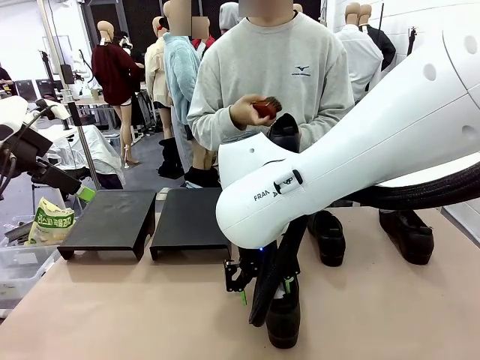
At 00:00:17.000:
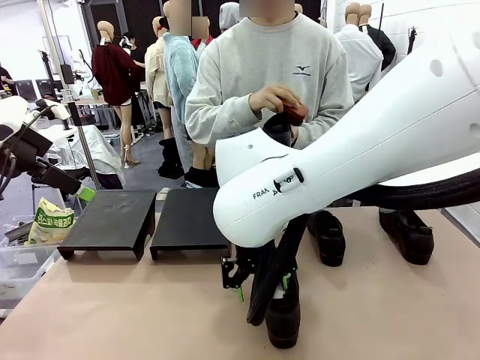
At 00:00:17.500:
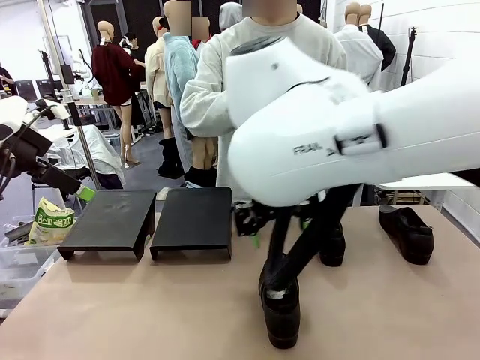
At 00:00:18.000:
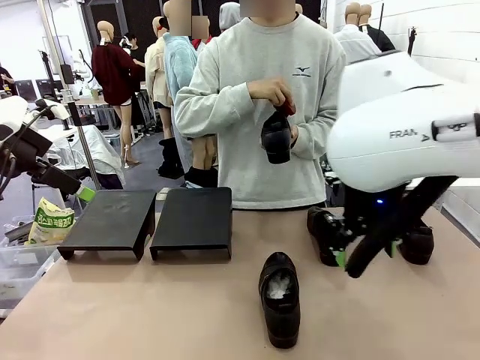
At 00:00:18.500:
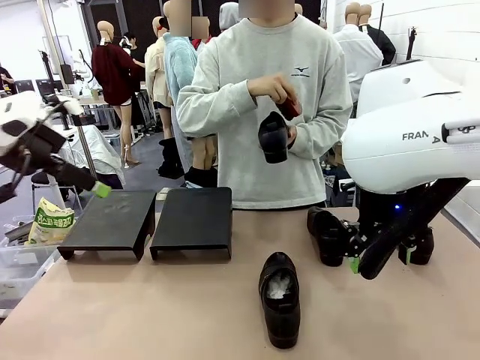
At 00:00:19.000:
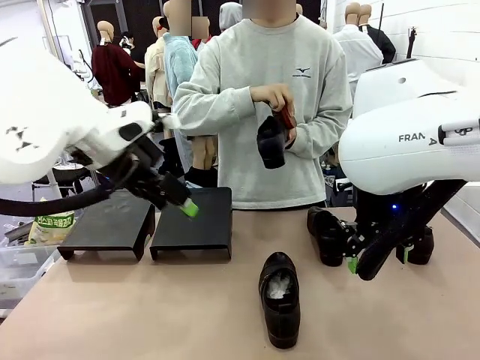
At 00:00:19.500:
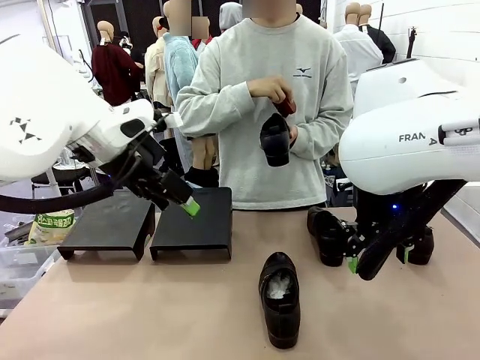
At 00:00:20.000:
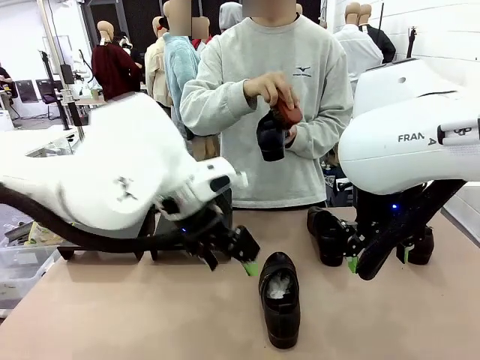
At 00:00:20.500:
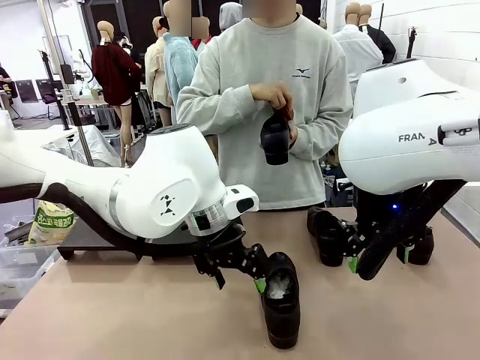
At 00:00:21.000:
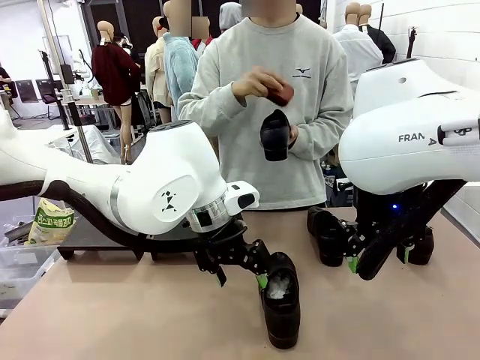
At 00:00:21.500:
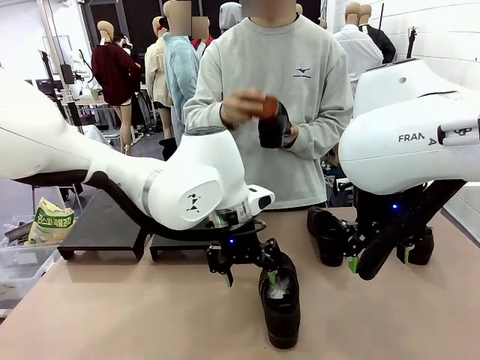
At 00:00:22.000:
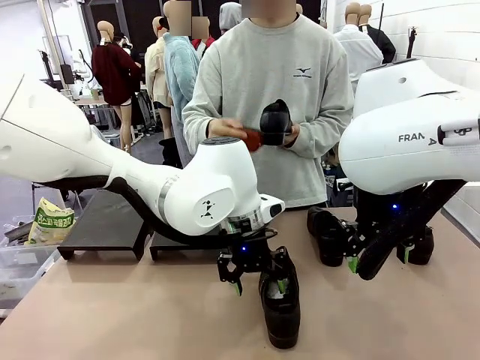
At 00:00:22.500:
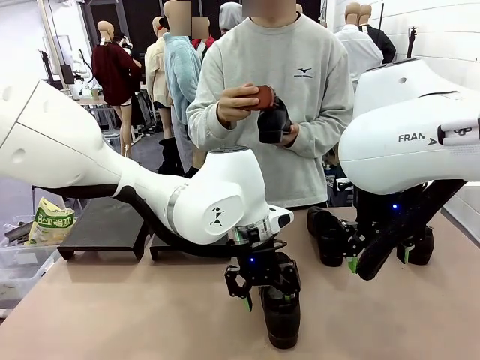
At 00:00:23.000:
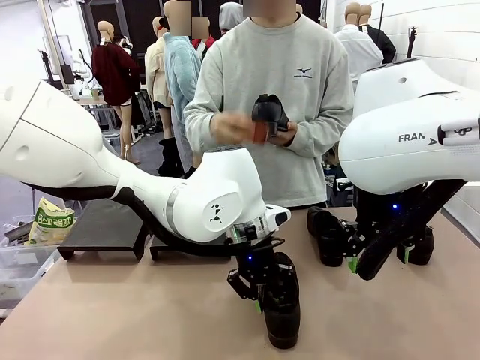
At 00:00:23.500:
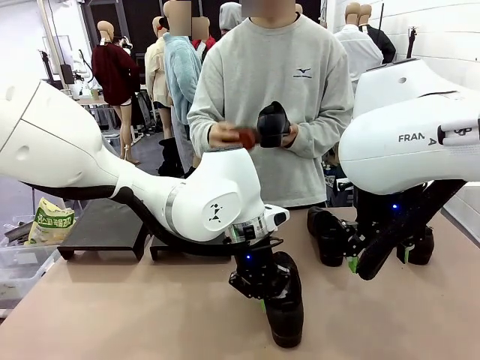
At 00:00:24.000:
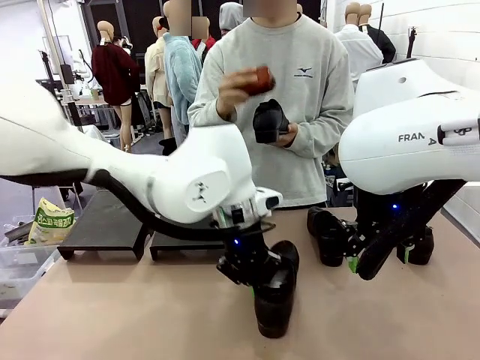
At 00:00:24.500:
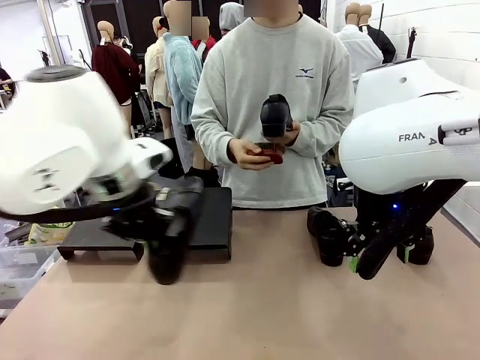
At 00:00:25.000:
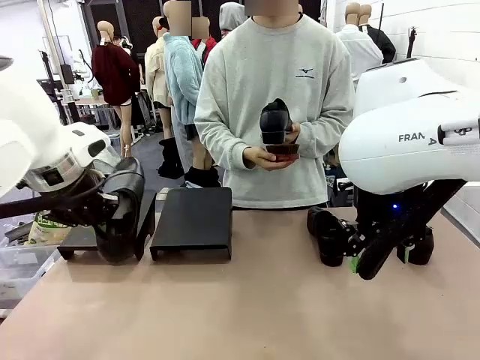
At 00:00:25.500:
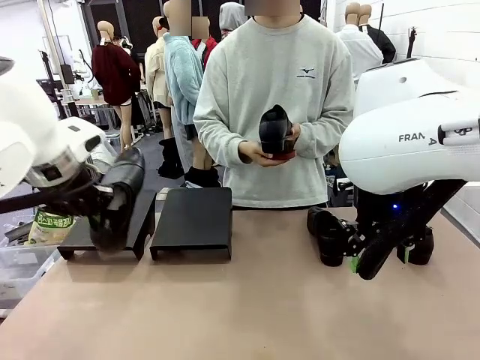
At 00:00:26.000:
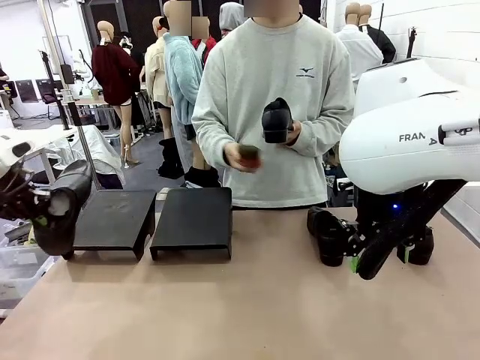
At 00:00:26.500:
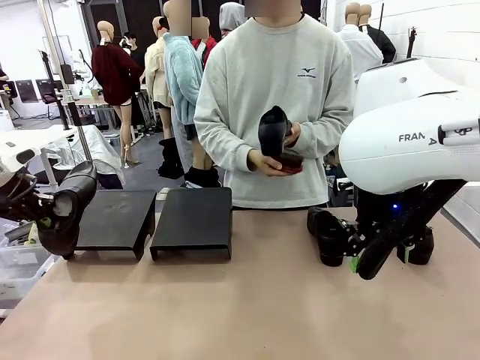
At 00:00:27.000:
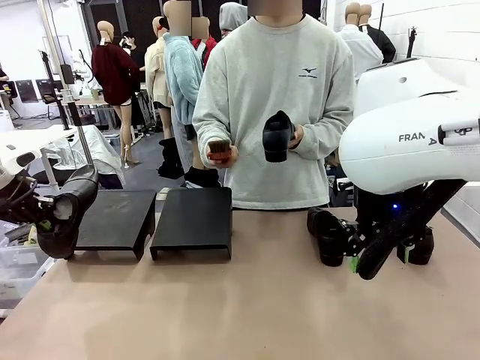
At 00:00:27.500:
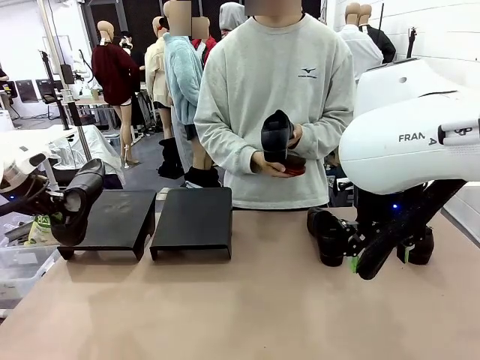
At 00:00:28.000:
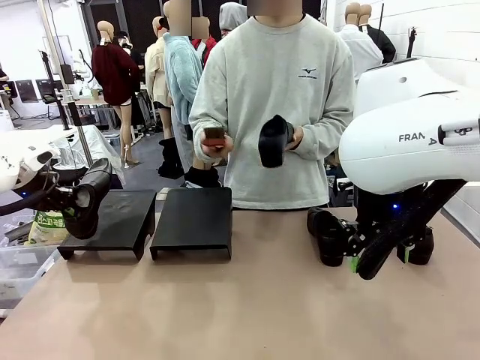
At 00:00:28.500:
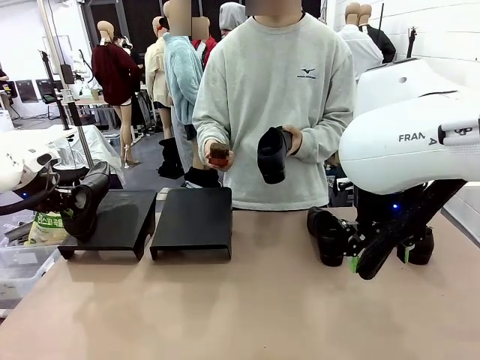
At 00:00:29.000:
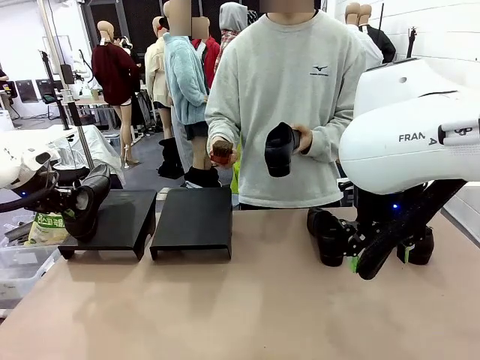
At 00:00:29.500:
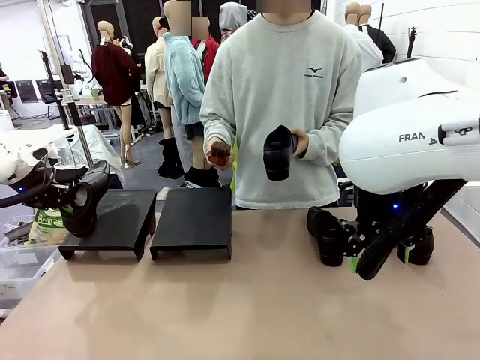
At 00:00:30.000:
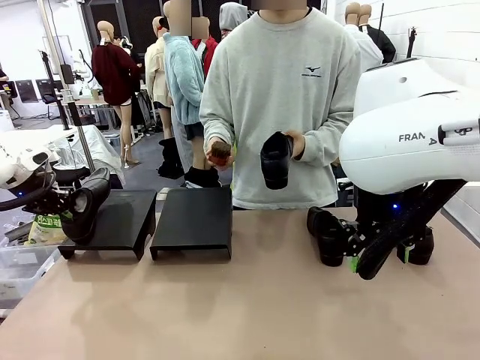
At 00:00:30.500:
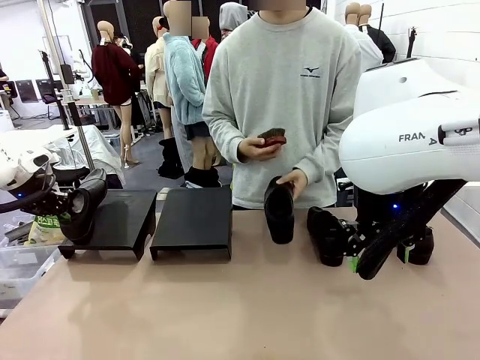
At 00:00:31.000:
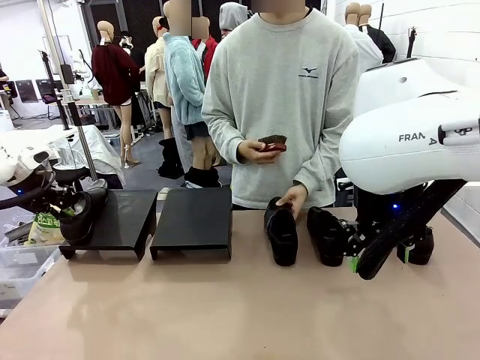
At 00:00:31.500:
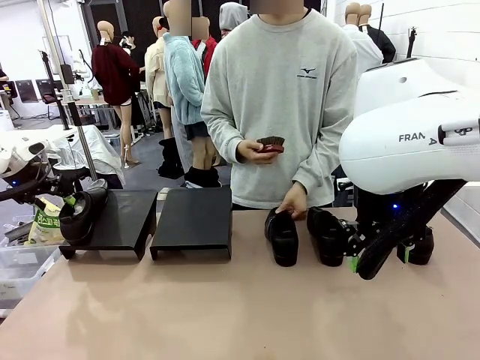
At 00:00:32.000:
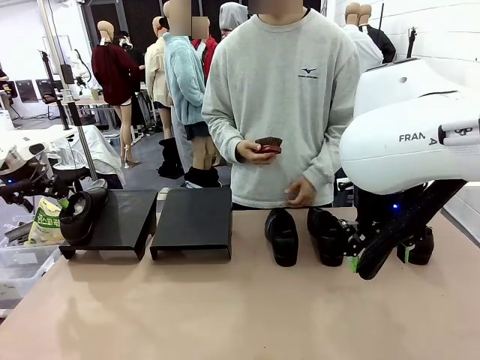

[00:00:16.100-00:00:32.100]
Task: Organize the shoes by placing them on the stand.
Robot: Place the Shoe from the middle of the table onto the Shoes Stand.
Person: Clean the Shoe with the Shoe Brush. Place the Shoe on left side of the Robot's table.

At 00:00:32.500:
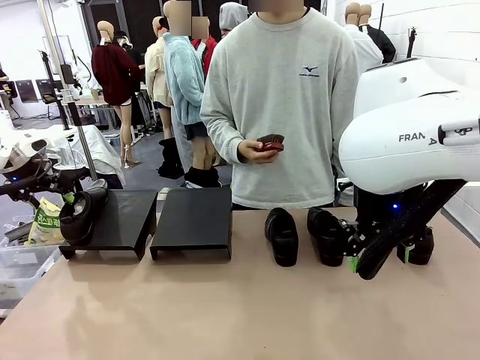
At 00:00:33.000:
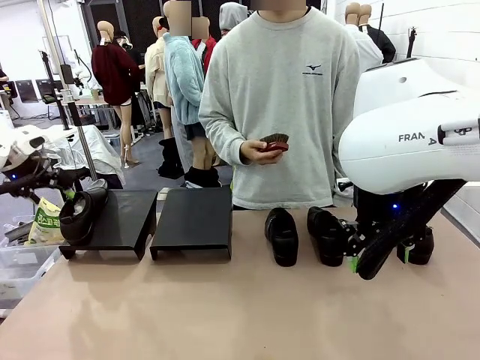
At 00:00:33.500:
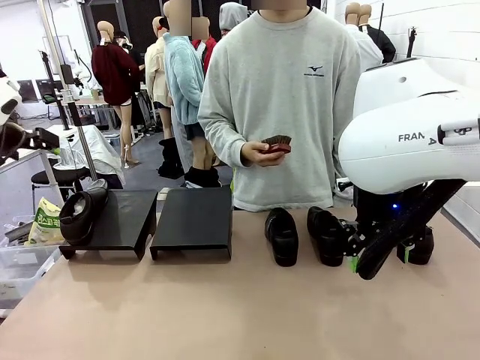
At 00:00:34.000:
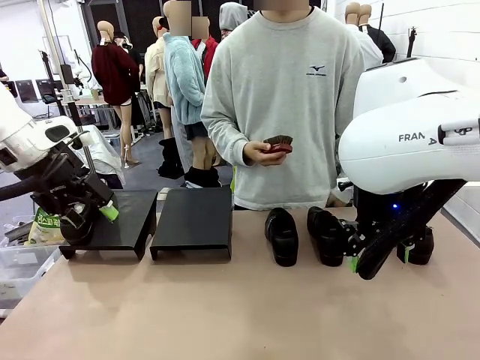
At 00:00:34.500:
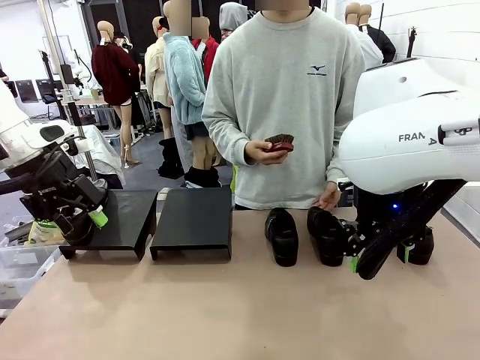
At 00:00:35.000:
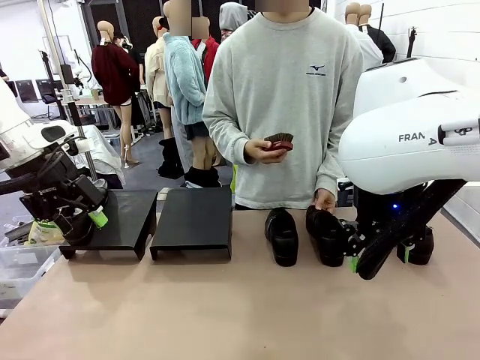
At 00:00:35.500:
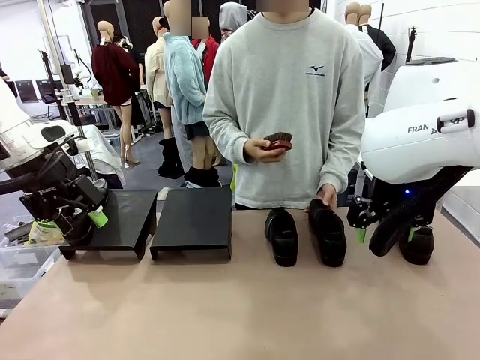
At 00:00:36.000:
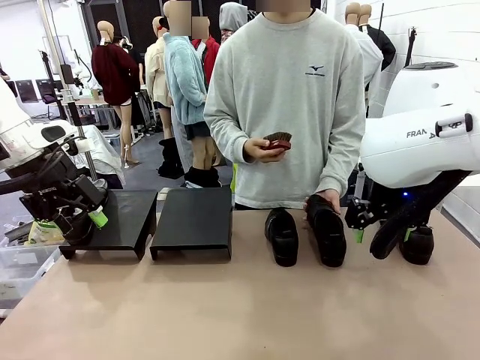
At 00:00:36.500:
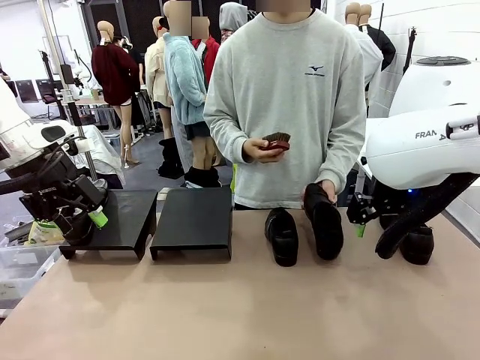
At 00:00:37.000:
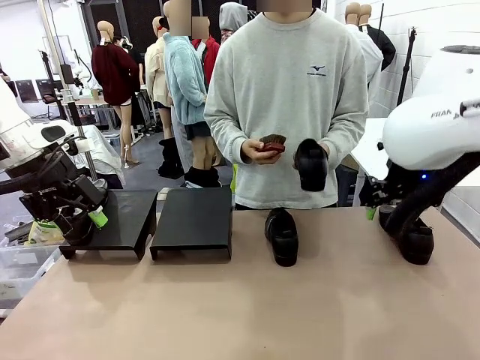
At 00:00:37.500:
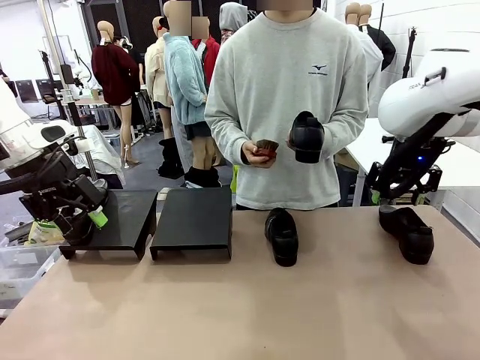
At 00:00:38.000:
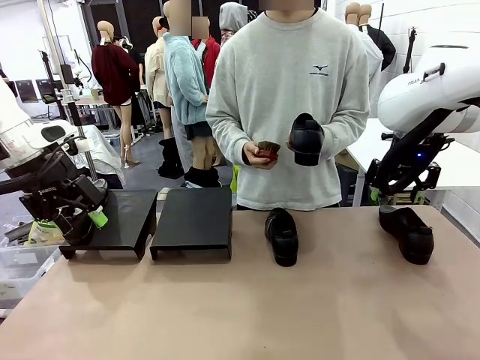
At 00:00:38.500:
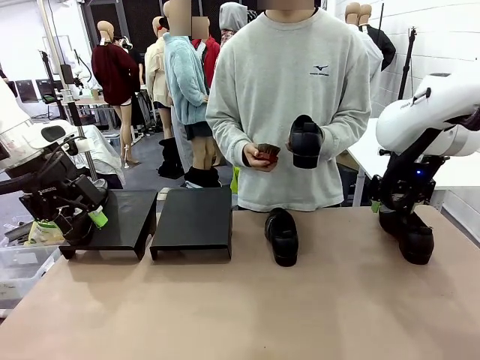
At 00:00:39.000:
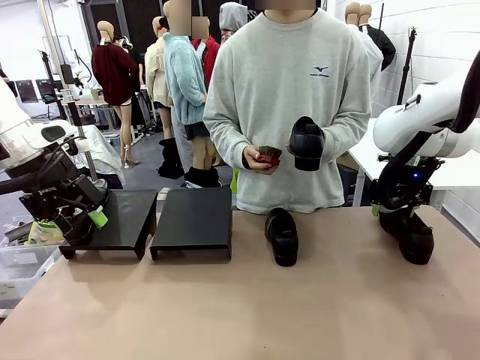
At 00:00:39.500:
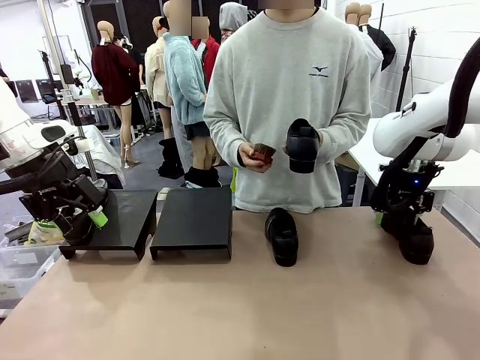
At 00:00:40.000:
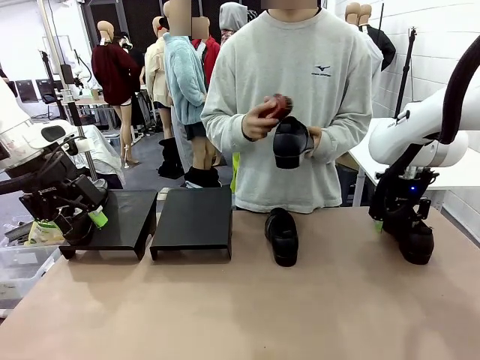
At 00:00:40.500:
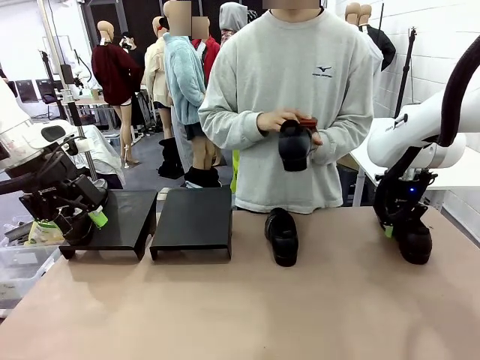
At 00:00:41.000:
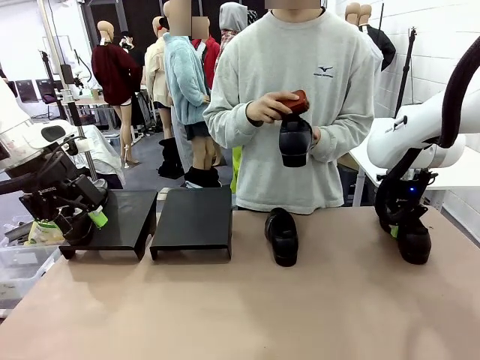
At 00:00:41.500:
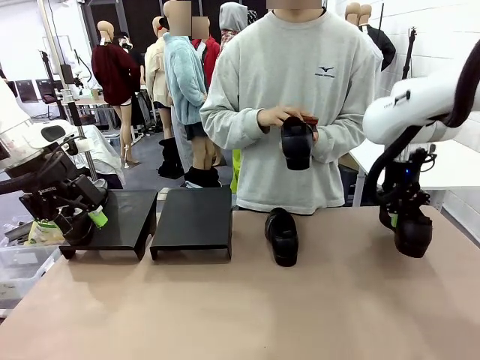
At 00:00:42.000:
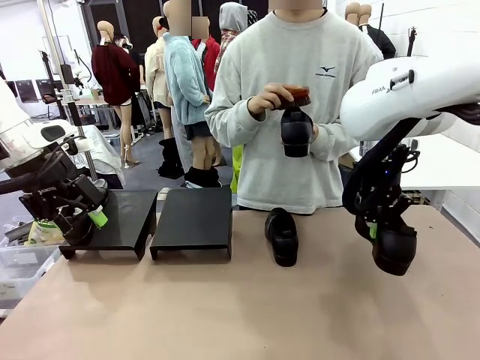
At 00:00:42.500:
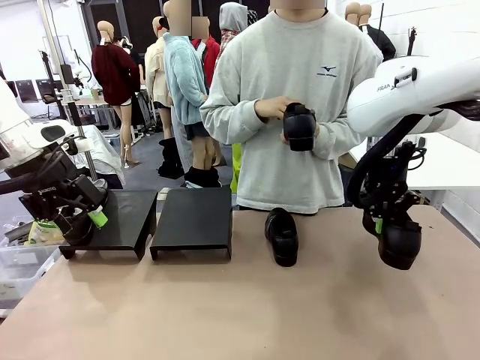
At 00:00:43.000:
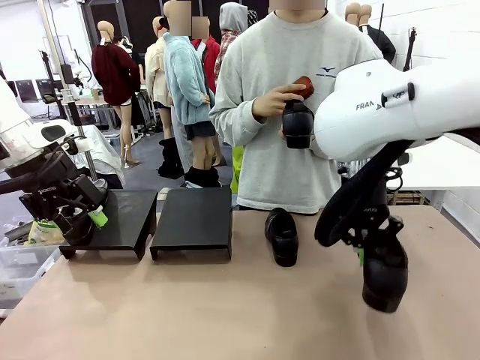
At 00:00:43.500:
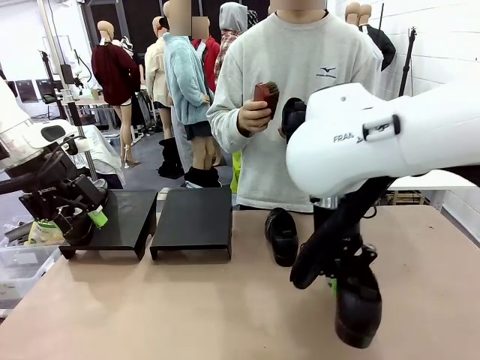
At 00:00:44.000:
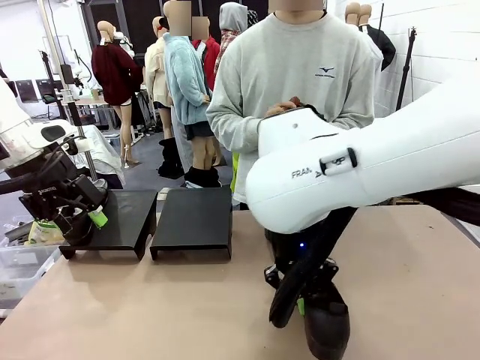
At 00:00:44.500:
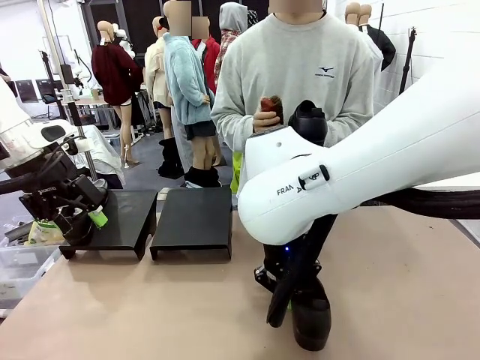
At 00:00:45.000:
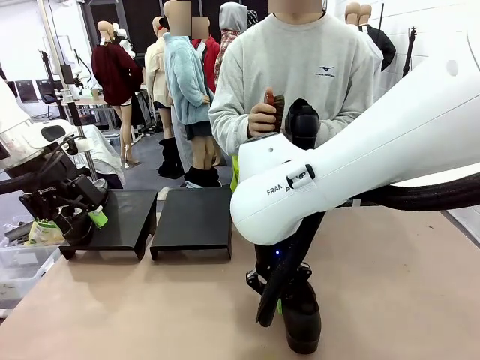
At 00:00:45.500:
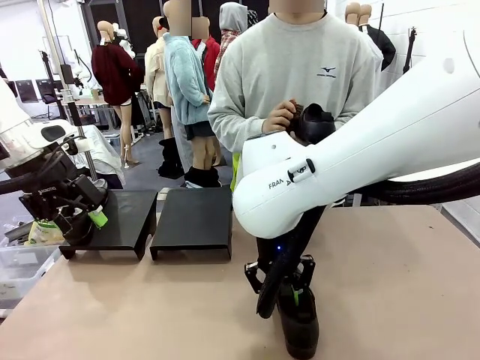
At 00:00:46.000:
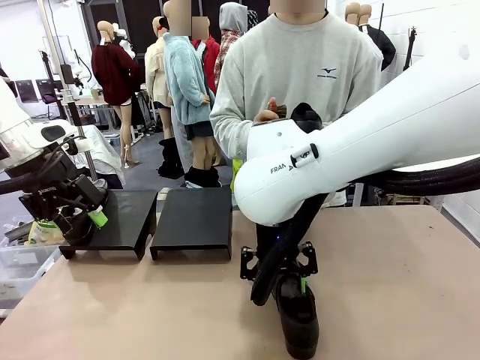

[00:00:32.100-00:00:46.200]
Robot: Pick up one Shoe and place it in the middle of the table.
Person: Pick one Shoe on Robot's table.
